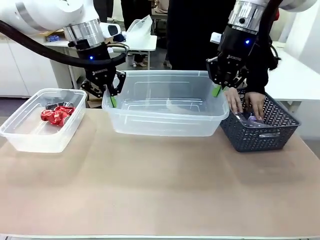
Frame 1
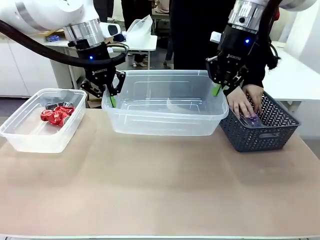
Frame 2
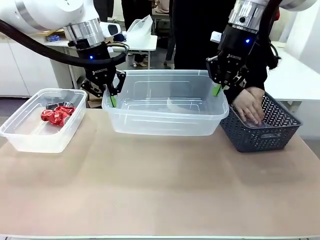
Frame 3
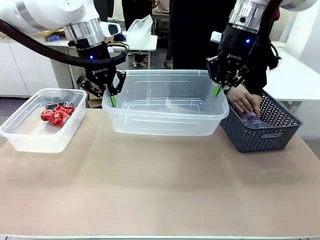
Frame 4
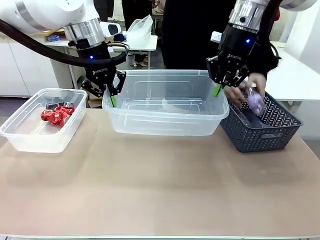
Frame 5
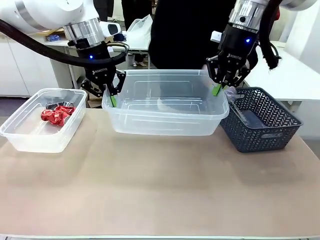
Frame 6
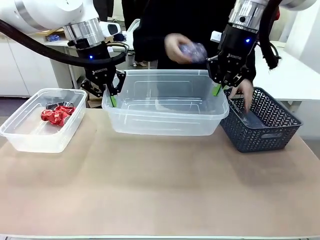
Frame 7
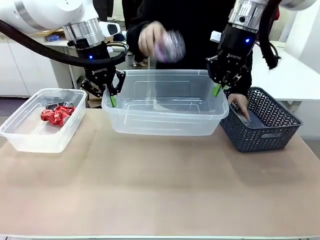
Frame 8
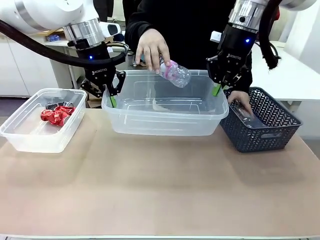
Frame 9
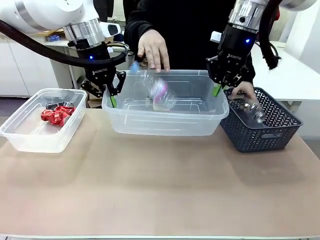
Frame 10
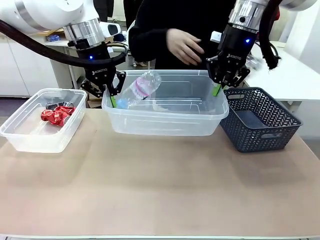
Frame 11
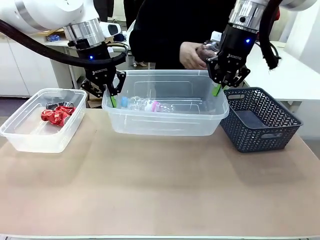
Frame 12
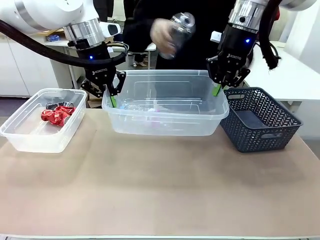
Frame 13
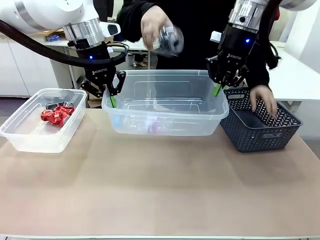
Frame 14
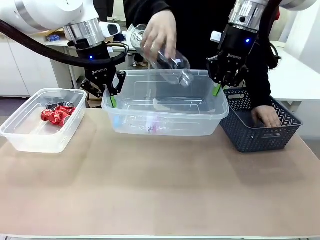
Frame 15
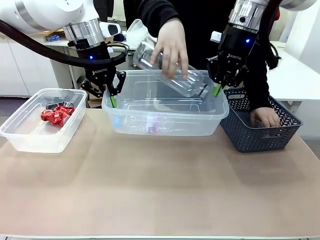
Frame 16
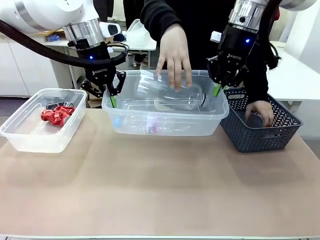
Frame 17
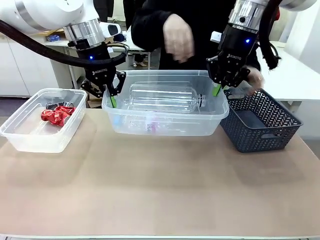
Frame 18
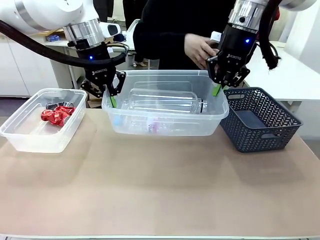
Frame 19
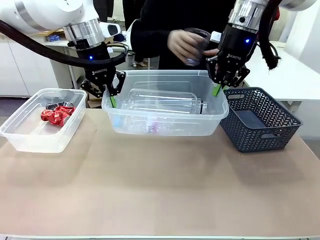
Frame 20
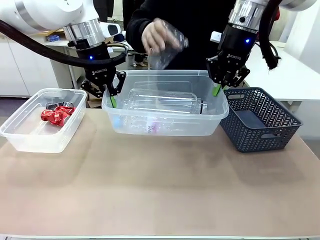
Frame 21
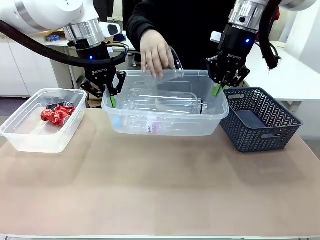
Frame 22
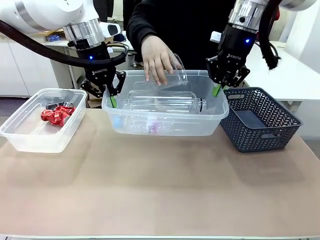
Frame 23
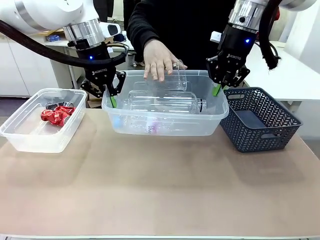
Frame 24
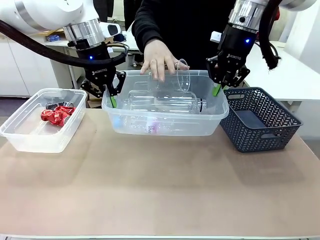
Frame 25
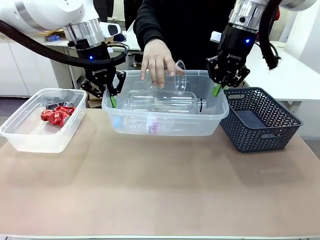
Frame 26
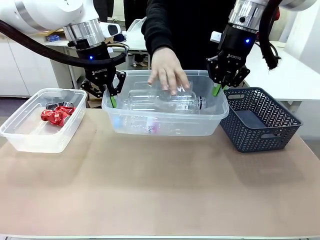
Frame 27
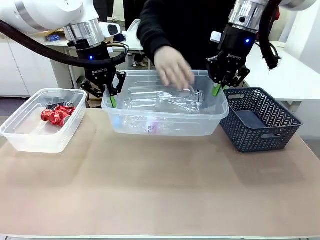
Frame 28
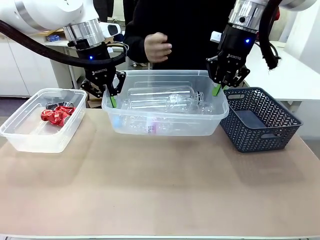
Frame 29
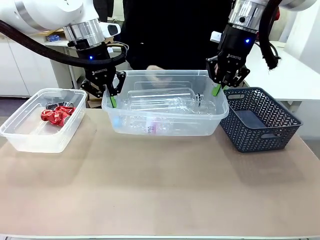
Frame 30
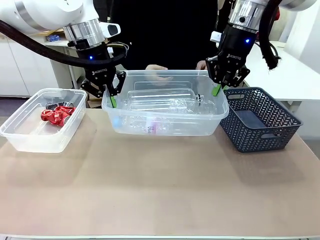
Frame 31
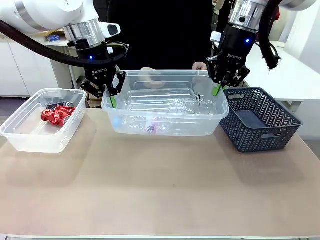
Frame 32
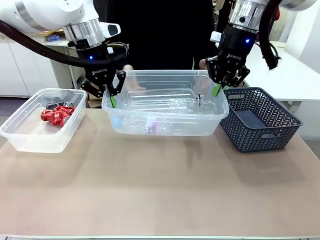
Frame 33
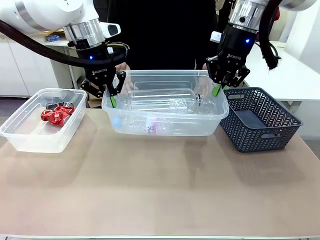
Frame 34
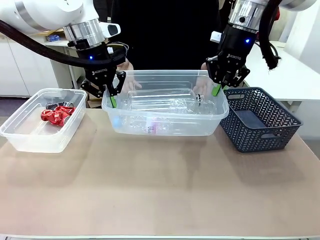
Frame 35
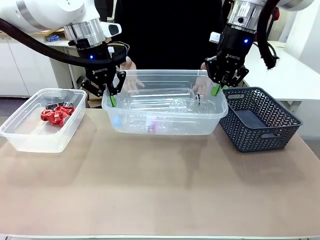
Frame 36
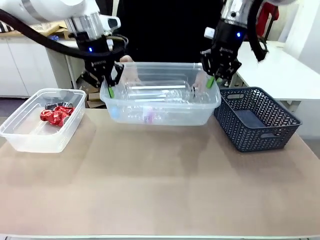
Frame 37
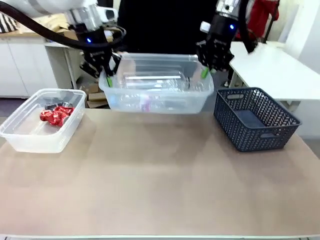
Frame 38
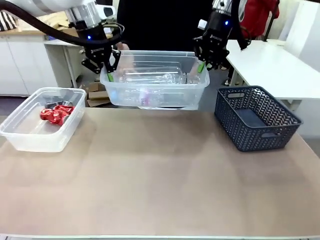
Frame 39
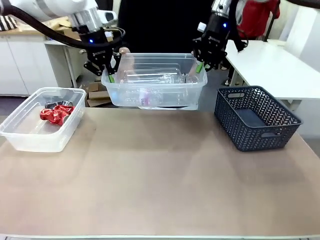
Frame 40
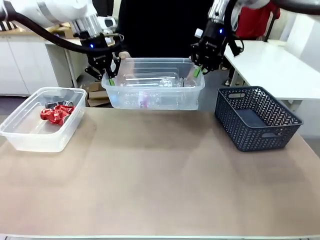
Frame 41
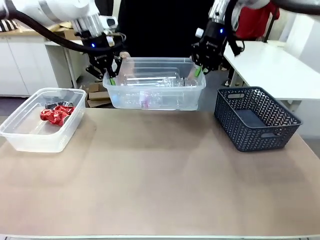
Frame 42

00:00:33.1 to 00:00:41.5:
Robot: Offer the picked Organizing box to the human.

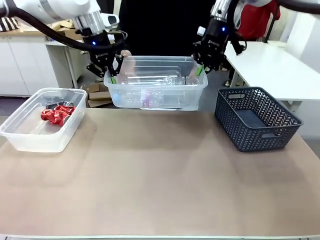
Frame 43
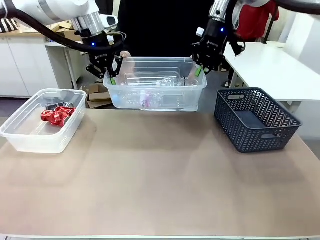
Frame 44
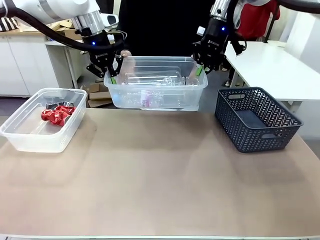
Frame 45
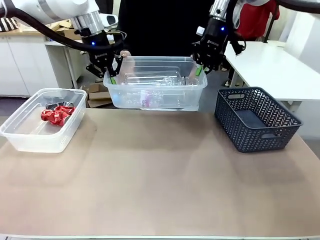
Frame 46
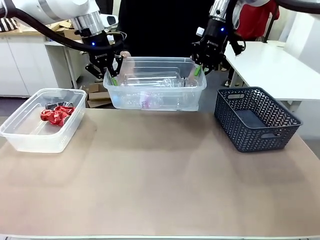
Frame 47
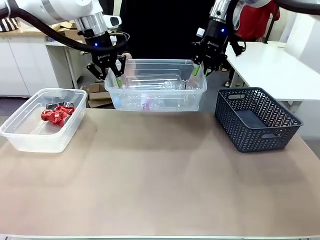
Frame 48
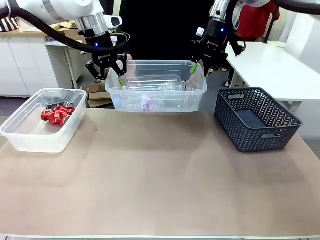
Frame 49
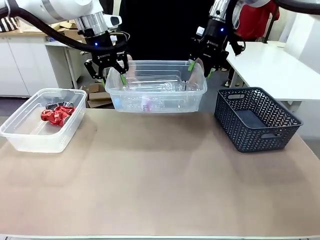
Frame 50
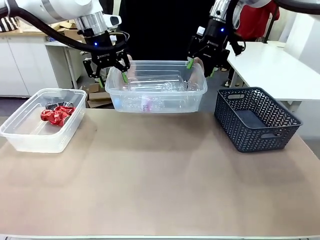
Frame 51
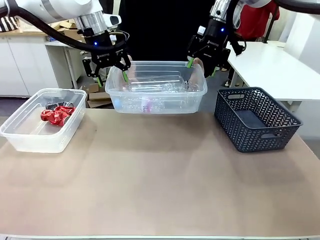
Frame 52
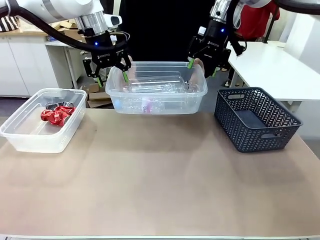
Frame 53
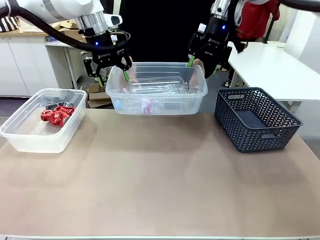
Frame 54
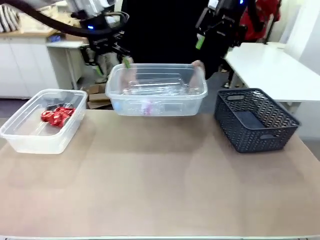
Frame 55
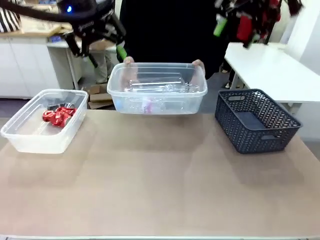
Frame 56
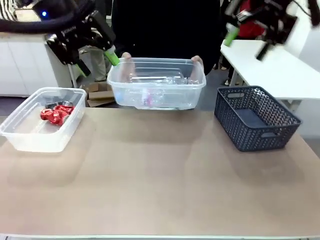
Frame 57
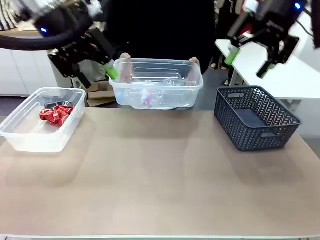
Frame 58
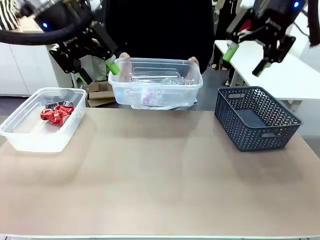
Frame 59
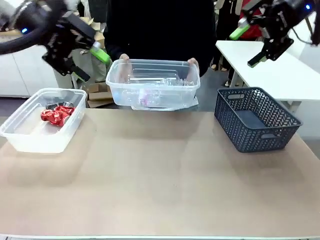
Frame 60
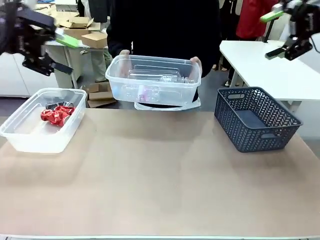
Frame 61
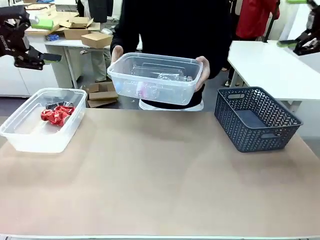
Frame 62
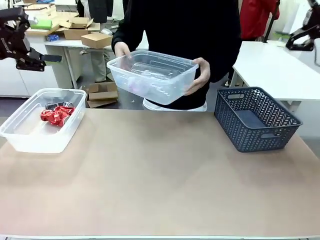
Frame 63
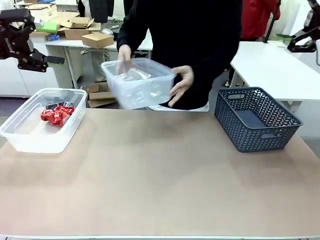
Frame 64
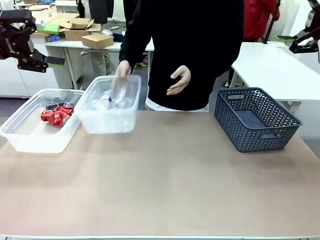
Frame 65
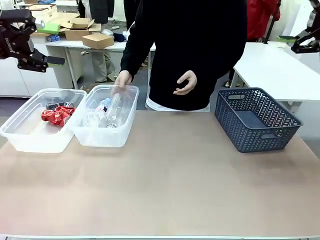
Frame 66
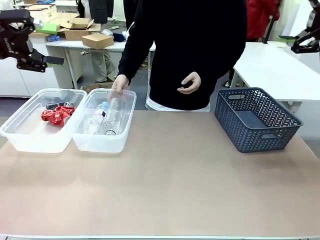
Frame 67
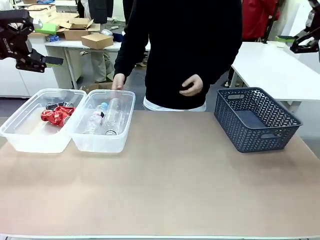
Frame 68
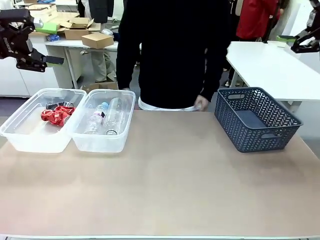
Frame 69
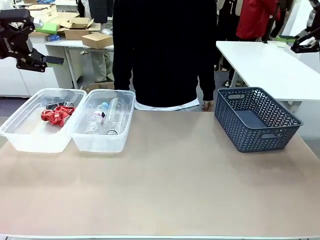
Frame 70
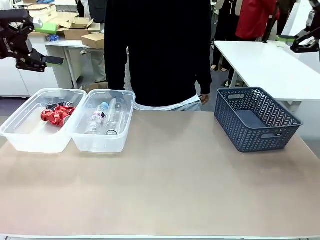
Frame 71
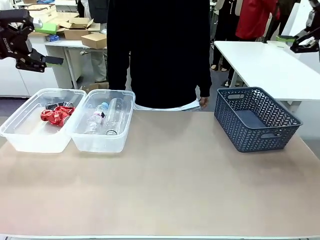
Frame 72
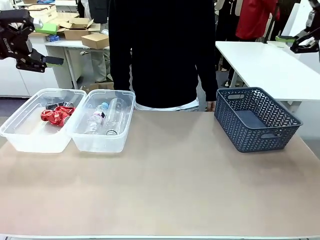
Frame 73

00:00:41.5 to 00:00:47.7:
Robot: Release the Organizing box you were holding.
Person: Pick up the organizing box extended by the robot. Place the organizing box to the left of the sorting box containing the can waste.

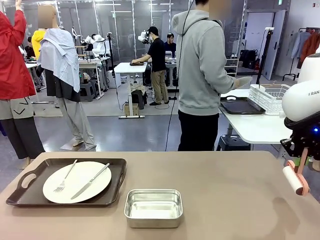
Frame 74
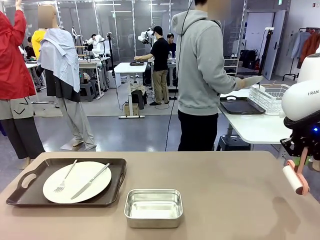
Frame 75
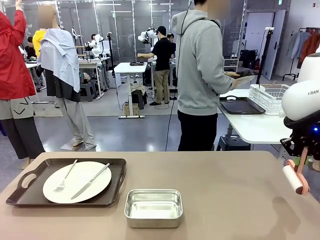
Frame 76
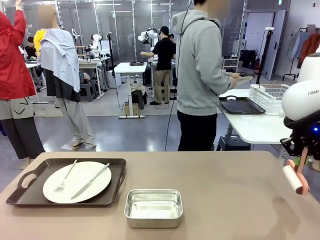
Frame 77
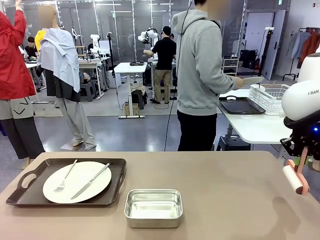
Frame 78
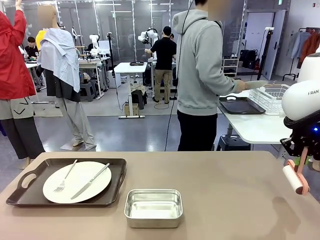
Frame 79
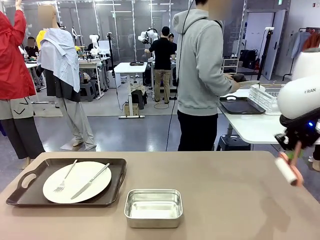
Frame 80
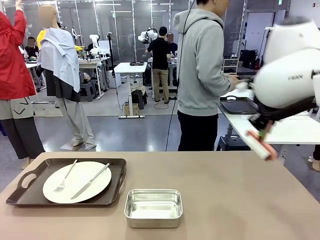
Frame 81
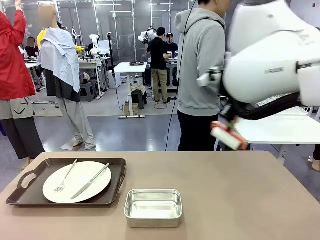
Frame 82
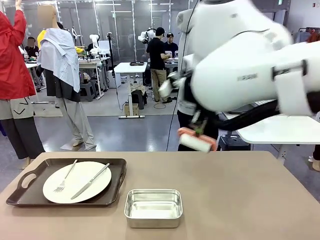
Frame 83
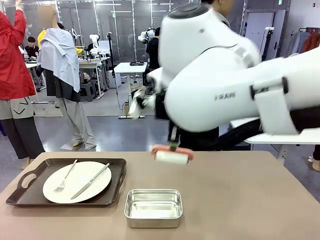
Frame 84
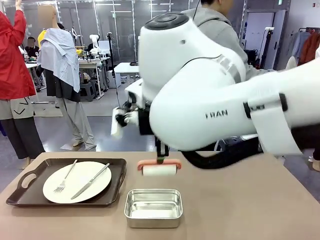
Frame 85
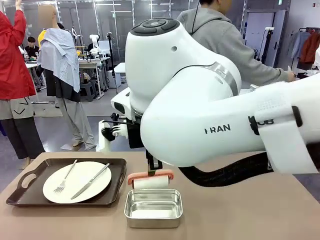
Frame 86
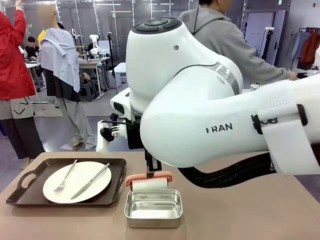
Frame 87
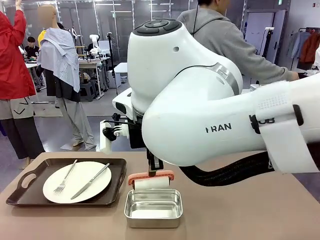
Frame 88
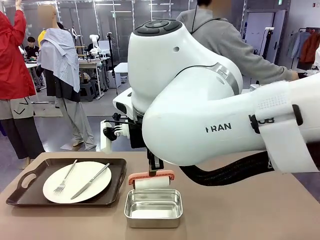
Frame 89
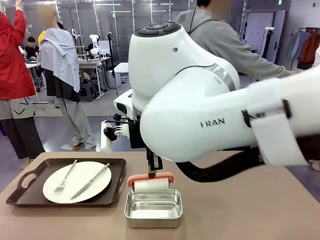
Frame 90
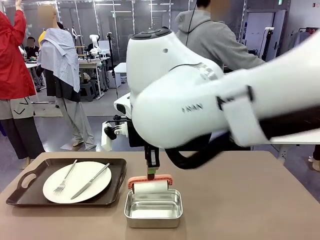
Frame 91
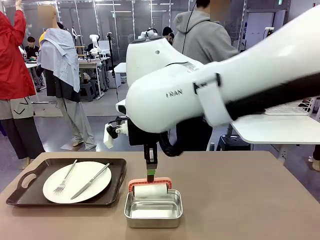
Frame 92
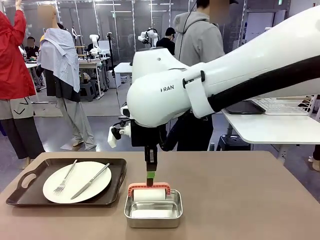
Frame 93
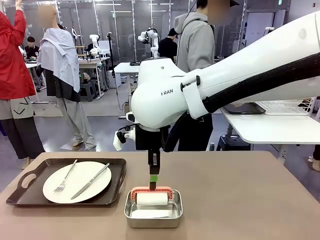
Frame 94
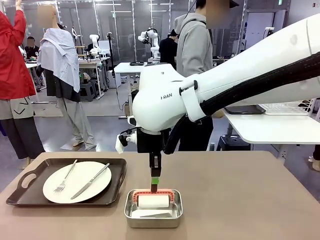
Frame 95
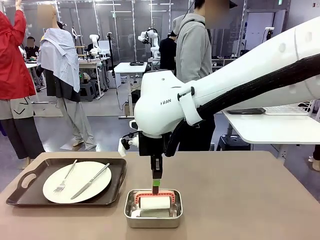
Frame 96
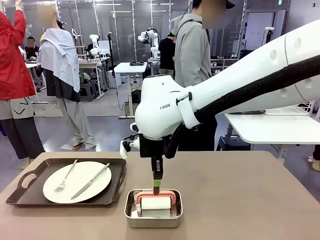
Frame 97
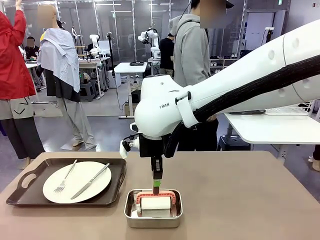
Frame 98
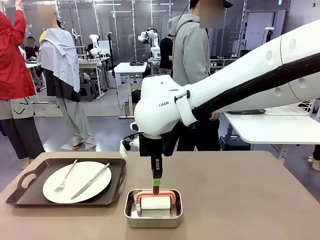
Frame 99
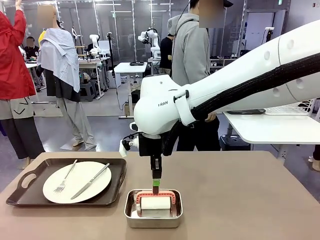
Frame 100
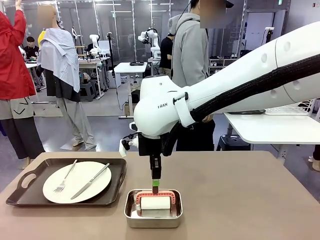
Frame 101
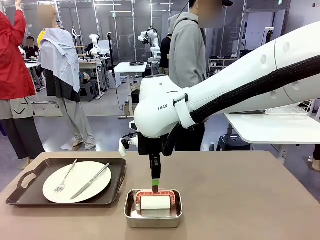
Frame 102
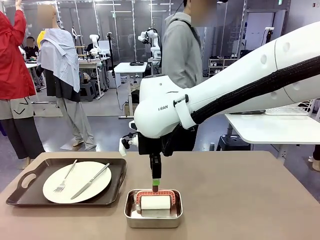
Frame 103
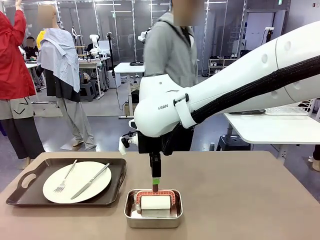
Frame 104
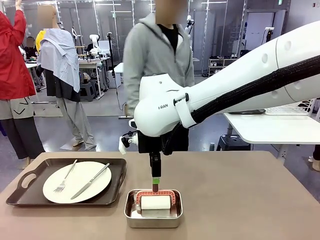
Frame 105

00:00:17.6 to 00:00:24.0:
Robot: Place the Lint Roller back on top of the Airtight Container.
